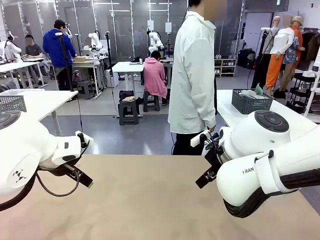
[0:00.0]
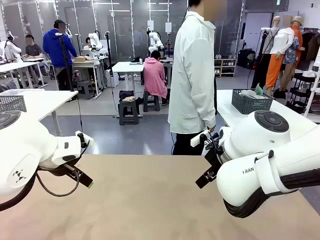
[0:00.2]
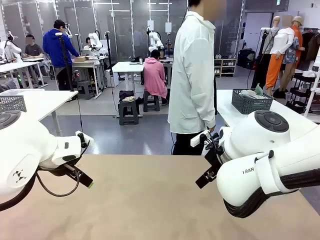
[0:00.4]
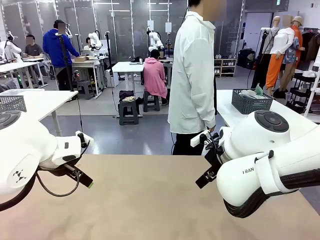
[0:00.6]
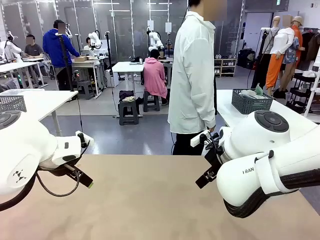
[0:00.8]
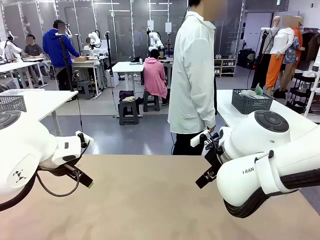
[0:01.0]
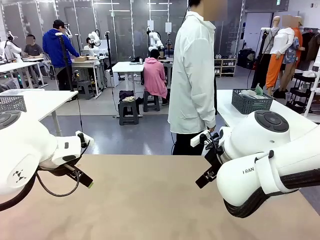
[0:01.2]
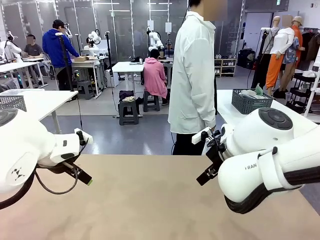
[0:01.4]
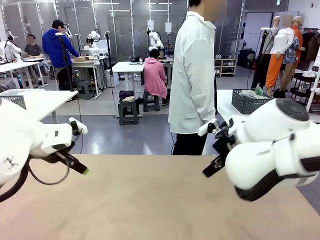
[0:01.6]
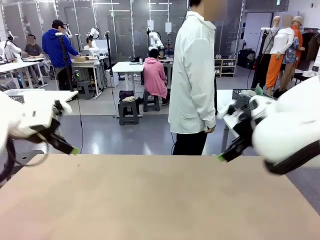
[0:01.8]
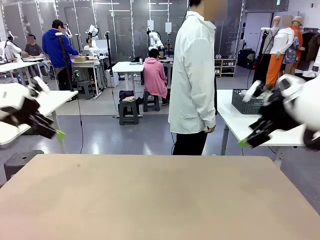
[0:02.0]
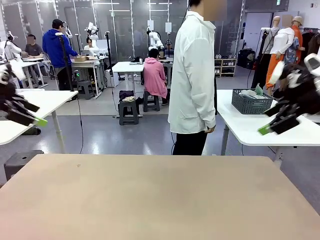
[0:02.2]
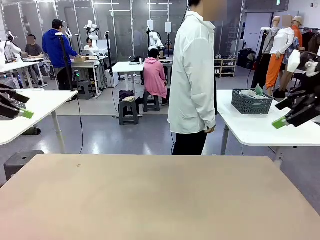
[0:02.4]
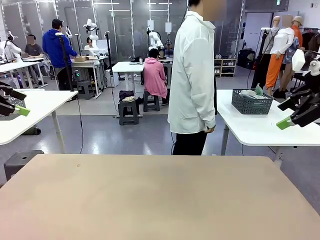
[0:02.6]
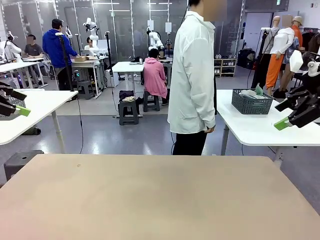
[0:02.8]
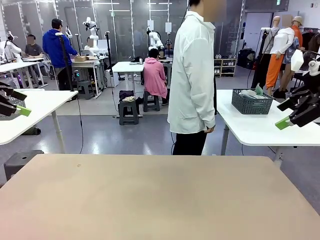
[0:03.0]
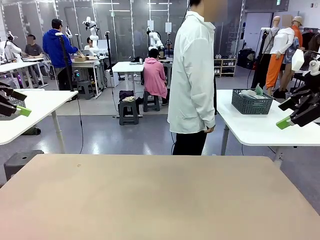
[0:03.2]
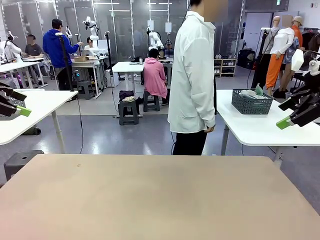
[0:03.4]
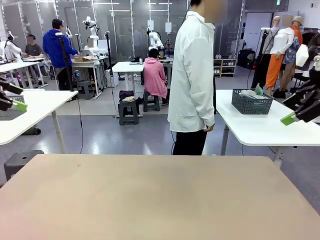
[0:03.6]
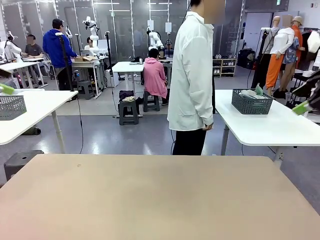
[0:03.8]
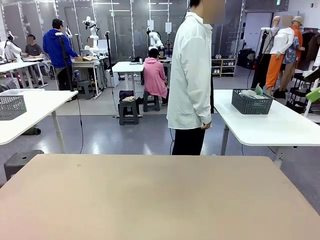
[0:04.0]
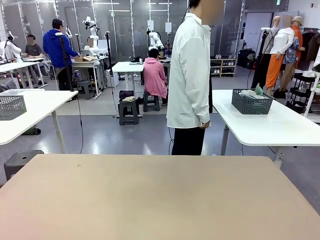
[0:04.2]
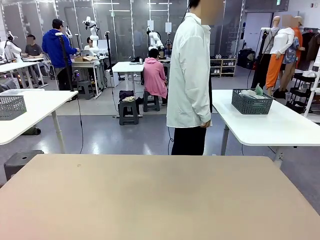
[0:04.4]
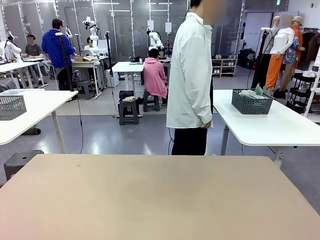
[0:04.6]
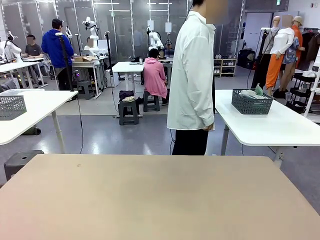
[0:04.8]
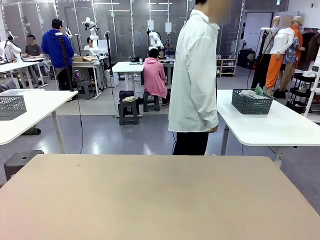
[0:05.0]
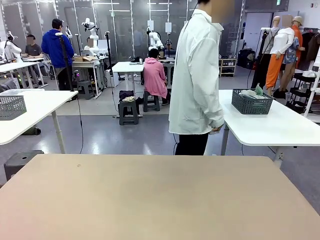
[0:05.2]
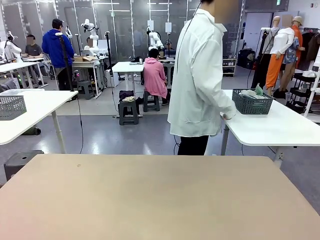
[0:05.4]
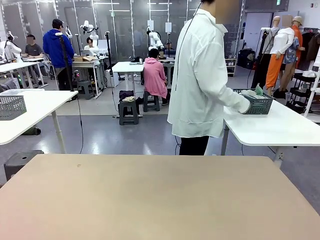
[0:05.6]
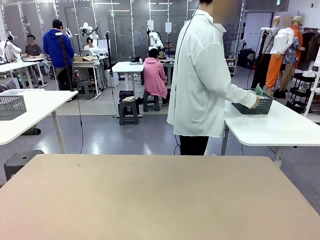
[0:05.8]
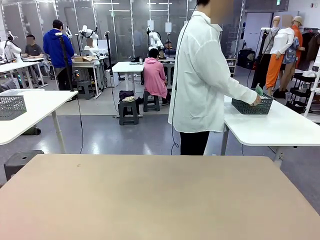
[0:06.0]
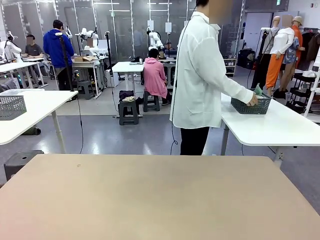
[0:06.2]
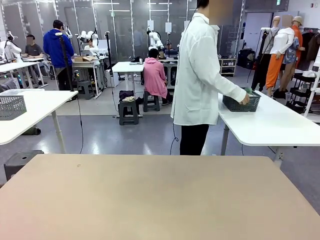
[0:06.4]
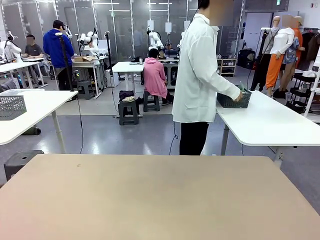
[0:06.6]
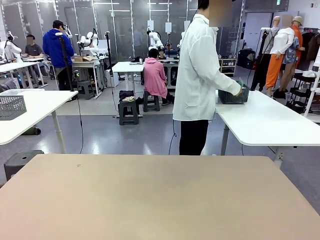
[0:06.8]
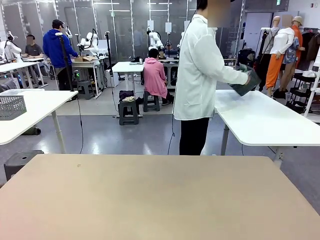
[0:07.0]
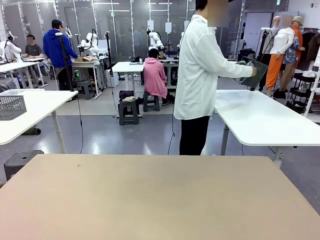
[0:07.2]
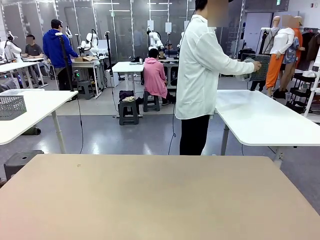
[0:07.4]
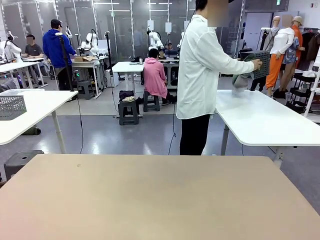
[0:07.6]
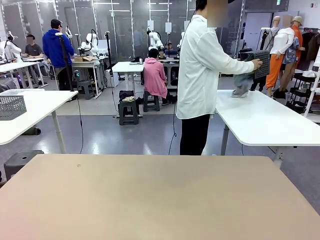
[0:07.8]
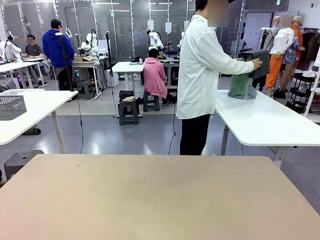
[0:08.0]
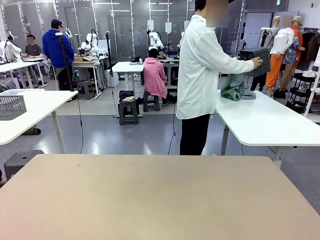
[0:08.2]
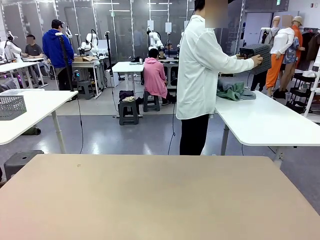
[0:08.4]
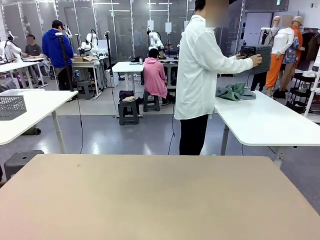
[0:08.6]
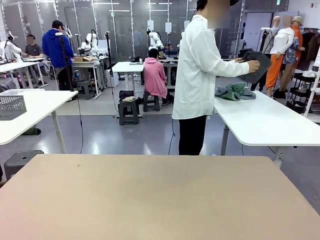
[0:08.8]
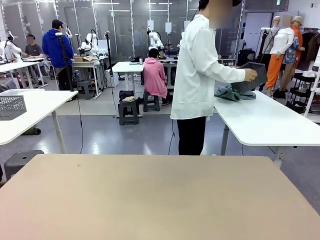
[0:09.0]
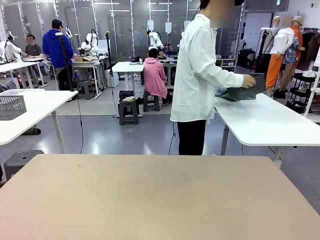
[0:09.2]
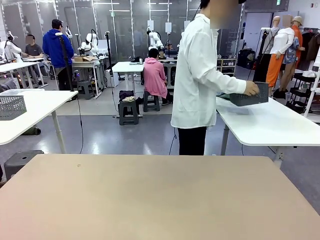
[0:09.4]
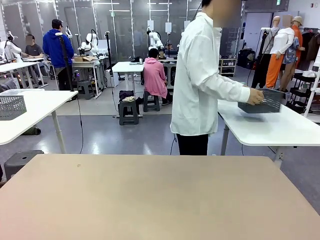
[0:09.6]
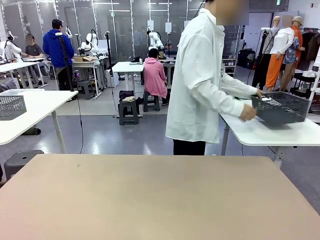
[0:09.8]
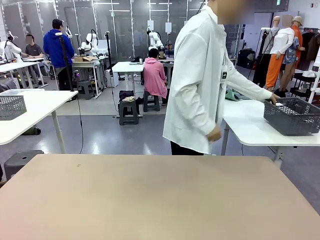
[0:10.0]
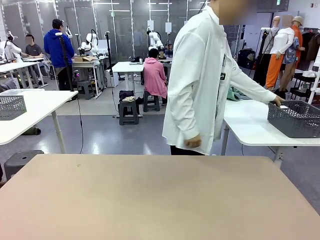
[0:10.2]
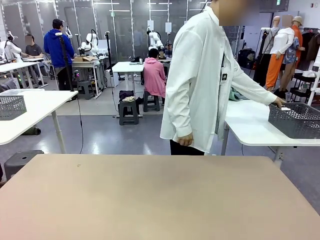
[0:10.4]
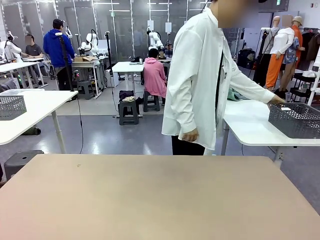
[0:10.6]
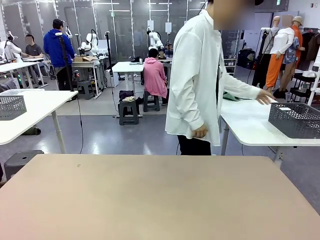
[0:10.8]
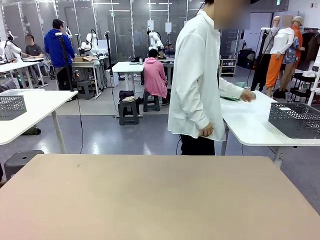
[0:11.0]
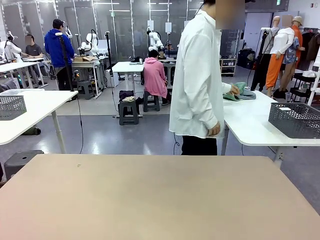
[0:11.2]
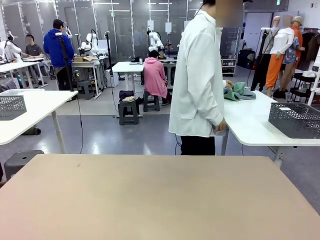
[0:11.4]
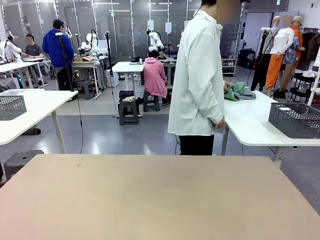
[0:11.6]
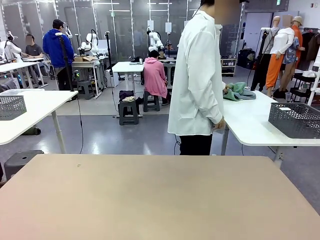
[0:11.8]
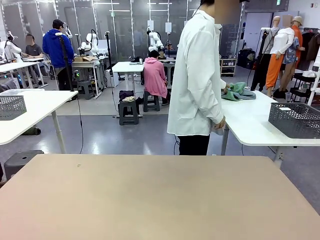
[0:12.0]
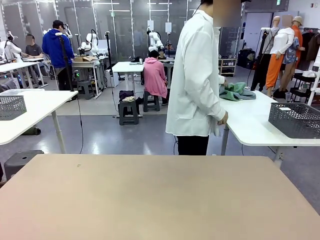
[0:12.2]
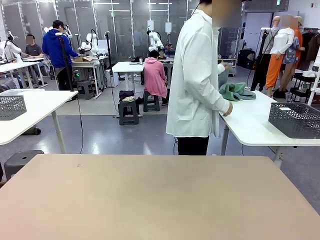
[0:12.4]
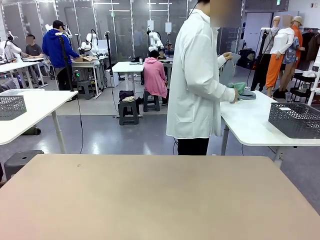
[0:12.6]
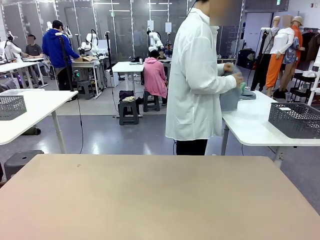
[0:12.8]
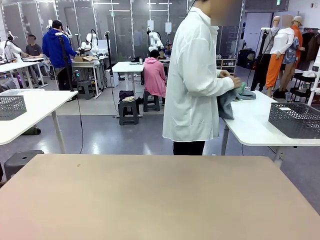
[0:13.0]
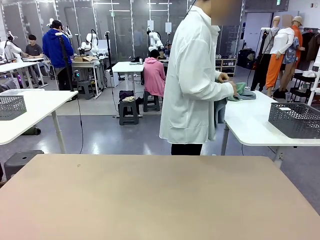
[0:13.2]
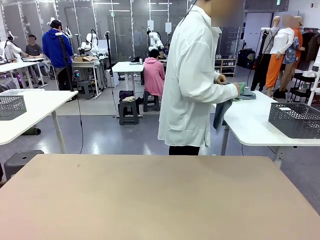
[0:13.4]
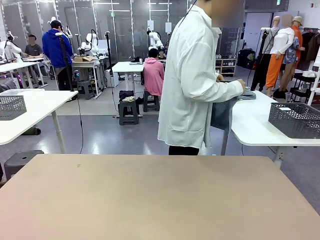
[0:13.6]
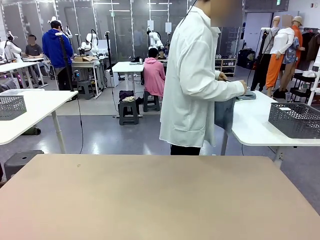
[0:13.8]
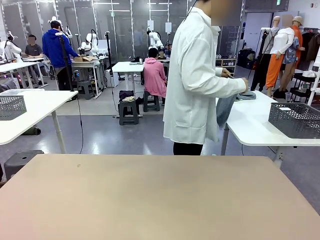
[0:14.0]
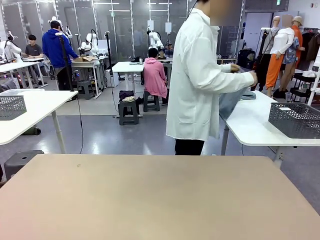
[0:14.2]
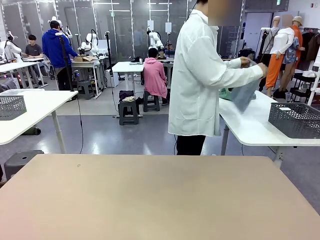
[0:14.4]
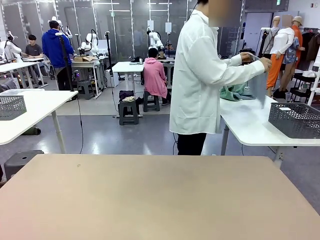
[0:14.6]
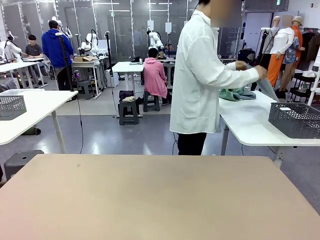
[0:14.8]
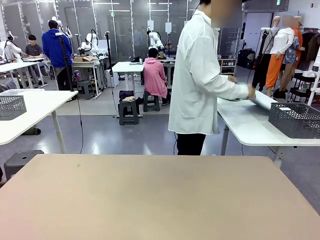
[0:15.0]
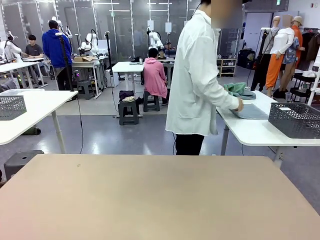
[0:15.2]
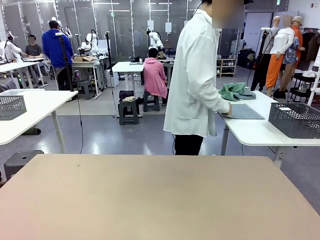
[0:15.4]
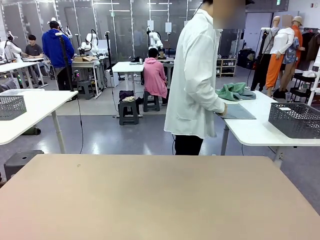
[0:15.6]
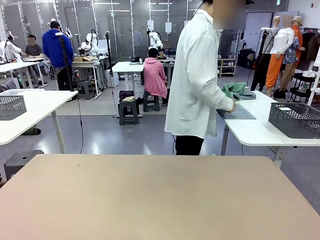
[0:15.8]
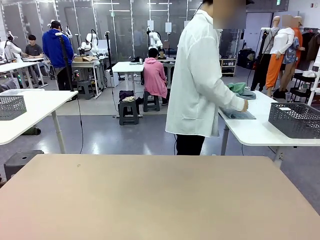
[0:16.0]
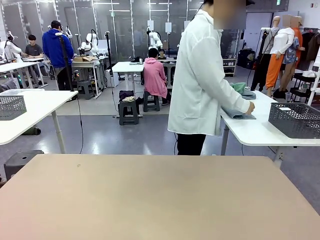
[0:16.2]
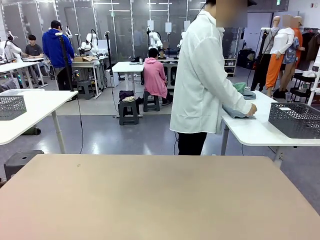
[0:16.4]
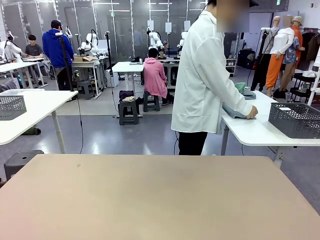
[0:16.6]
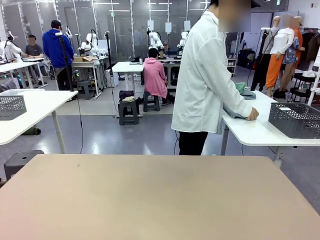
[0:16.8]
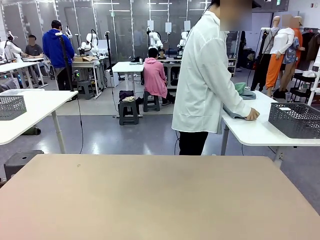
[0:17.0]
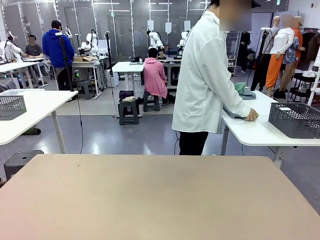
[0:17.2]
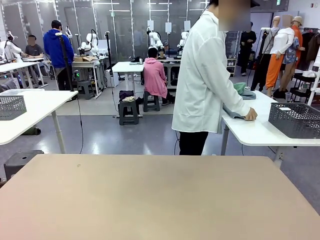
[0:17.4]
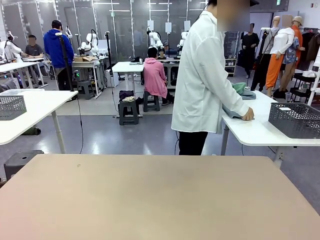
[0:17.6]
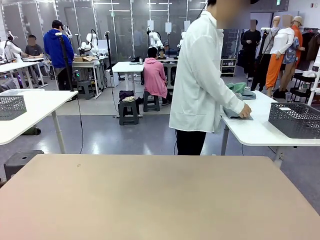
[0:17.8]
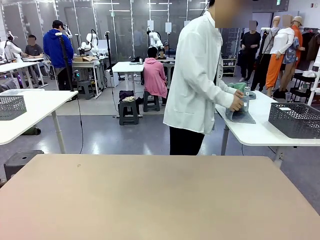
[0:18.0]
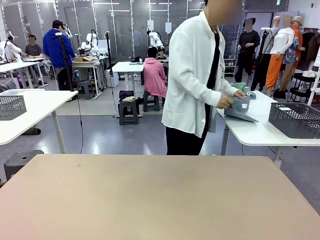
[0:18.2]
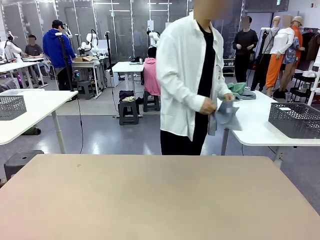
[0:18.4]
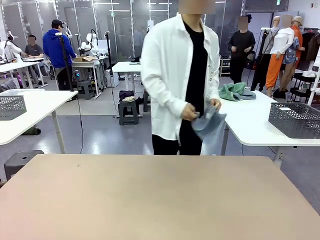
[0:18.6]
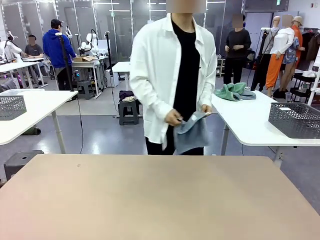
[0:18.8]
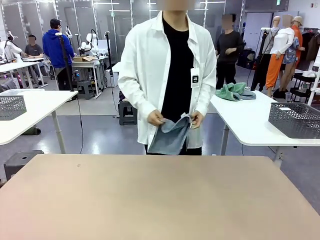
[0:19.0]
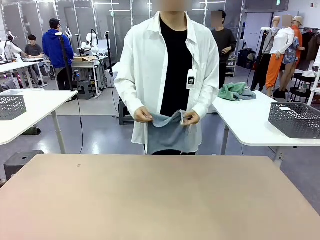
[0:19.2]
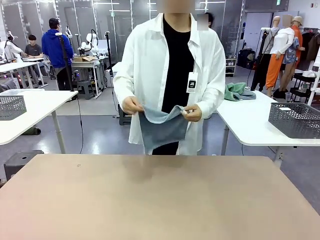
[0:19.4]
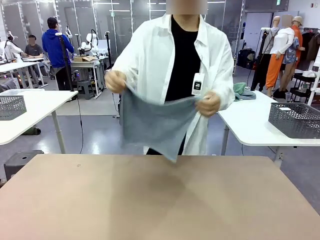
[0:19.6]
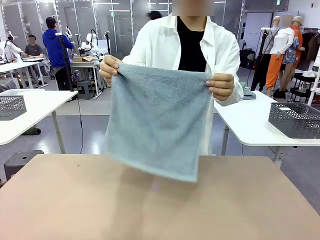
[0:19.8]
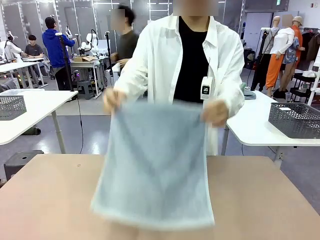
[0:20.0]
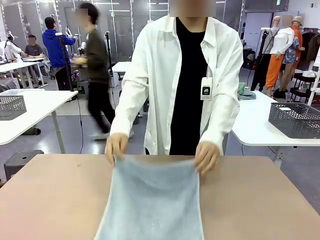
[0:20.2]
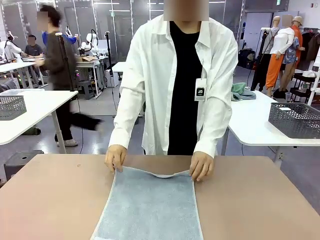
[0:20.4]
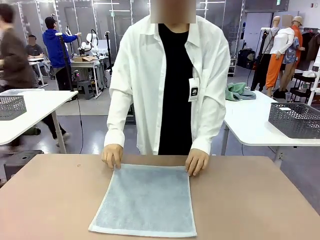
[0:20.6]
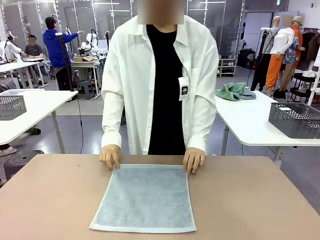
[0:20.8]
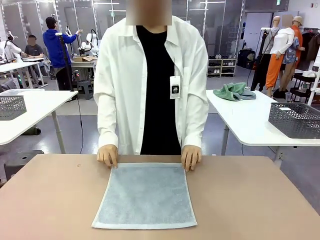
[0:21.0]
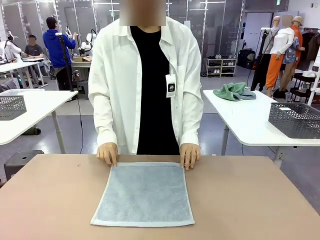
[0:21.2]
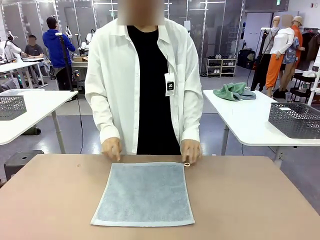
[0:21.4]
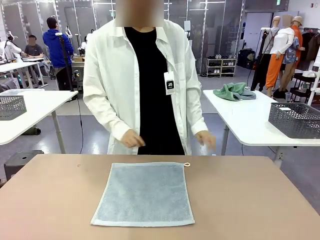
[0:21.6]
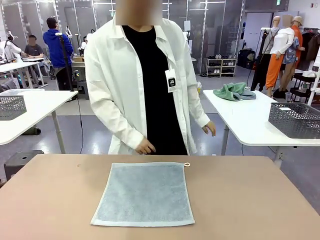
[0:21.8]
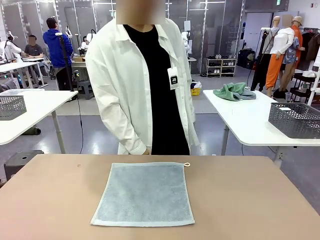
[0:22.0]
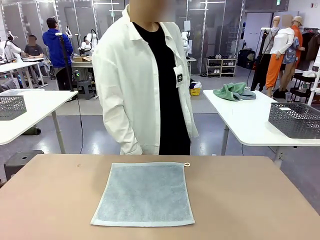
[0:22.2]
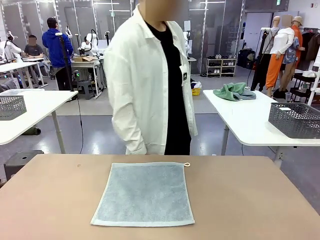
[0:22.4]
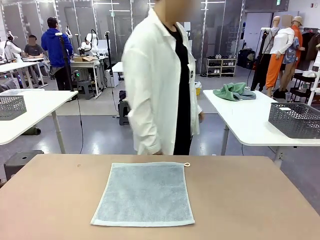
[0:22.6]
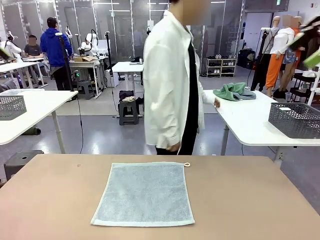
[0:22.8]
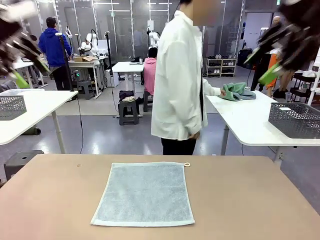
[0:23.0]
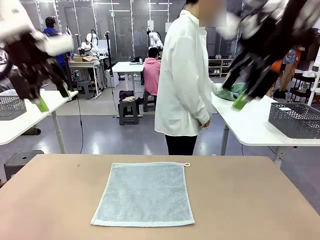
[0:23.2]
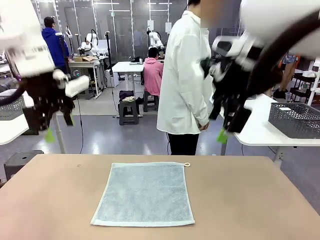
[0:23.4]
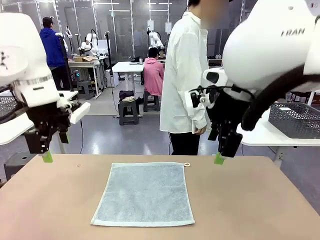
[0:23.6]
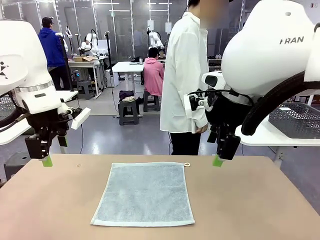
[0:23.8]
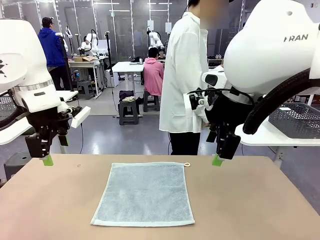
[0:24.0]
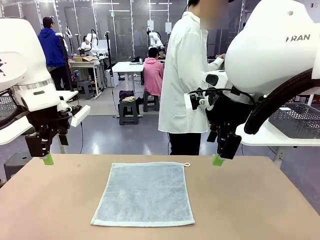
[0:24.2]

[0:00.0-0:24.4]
Task: Fold the towels and place them in the basket.
Robot: When a person lays out a Towel with hook on the table, fold it in half twice.
Person: Pick up the basket, pour the towels onto the left side of the human table, and place the basket on the right side. Pick up one towel and spread it out at the center of the robot table.
